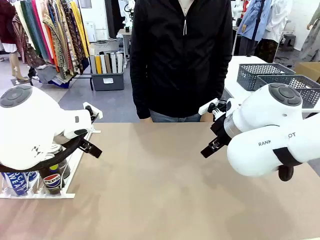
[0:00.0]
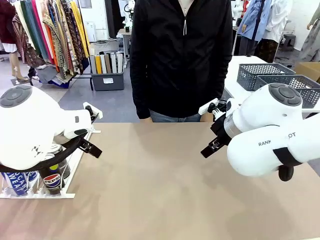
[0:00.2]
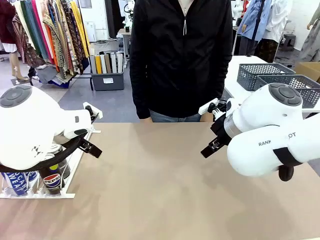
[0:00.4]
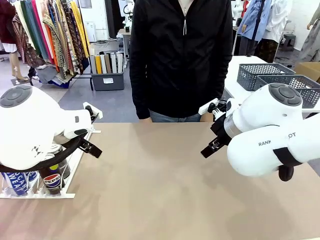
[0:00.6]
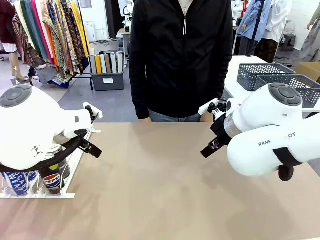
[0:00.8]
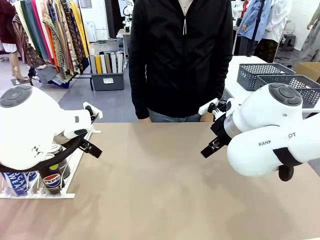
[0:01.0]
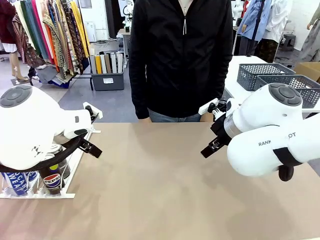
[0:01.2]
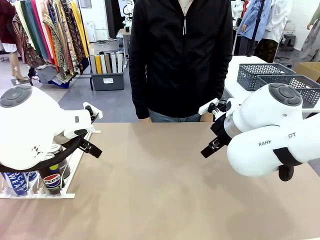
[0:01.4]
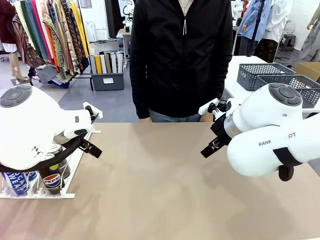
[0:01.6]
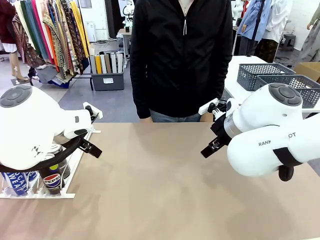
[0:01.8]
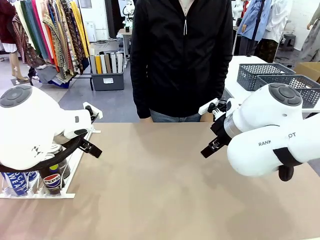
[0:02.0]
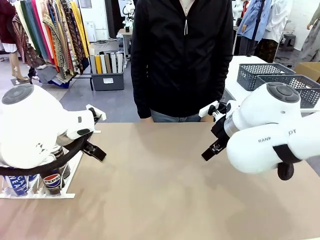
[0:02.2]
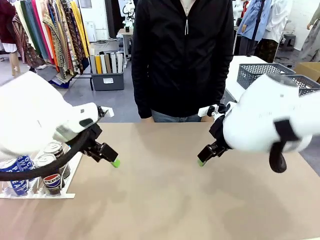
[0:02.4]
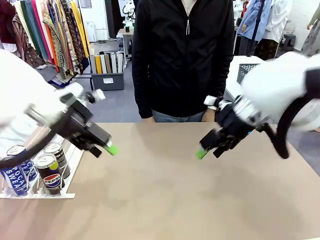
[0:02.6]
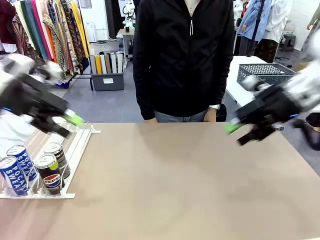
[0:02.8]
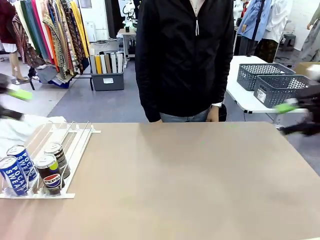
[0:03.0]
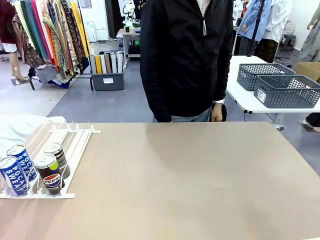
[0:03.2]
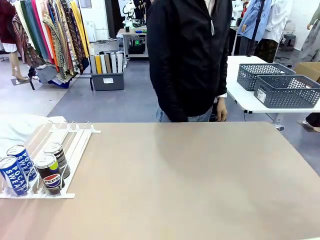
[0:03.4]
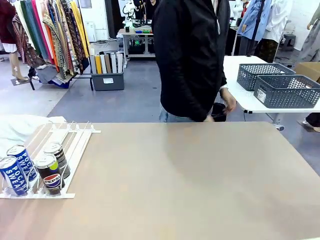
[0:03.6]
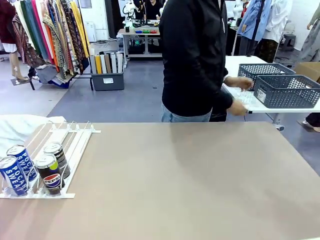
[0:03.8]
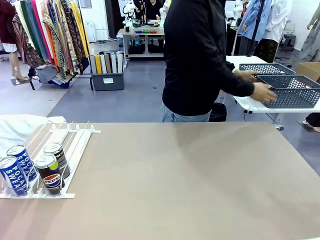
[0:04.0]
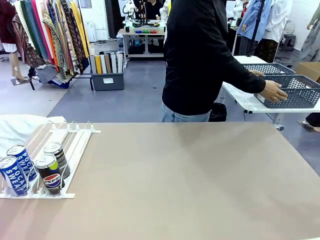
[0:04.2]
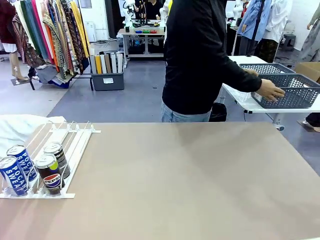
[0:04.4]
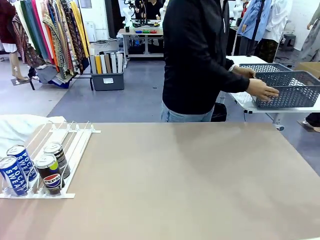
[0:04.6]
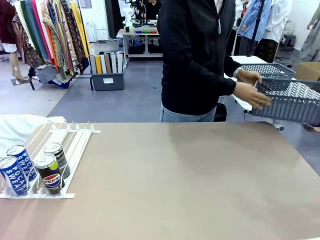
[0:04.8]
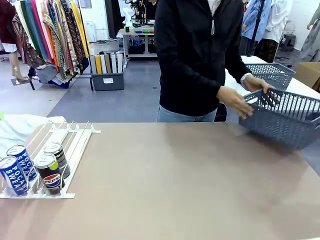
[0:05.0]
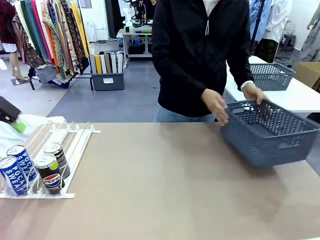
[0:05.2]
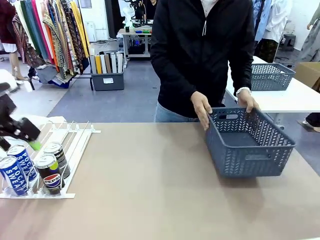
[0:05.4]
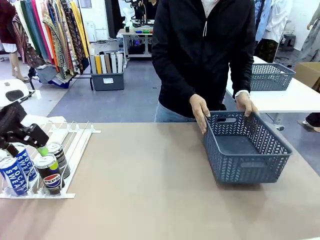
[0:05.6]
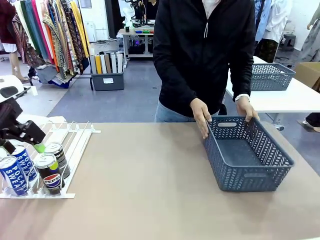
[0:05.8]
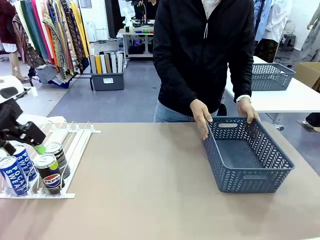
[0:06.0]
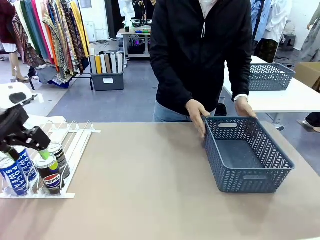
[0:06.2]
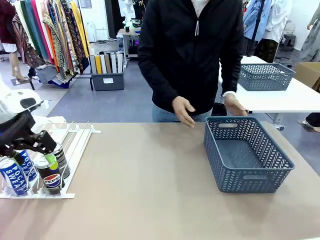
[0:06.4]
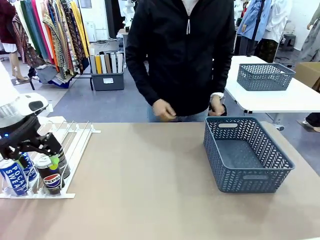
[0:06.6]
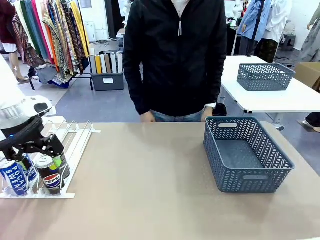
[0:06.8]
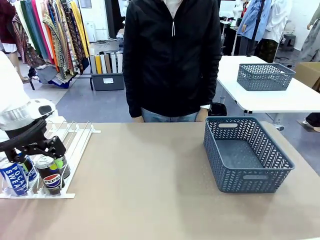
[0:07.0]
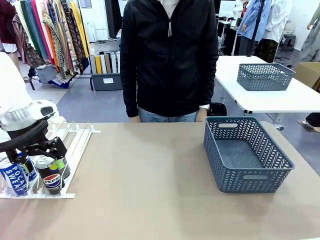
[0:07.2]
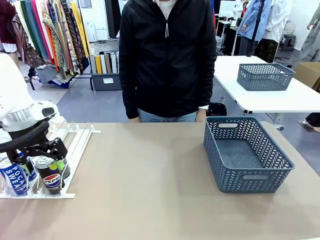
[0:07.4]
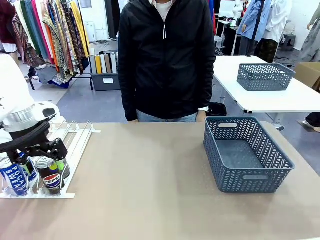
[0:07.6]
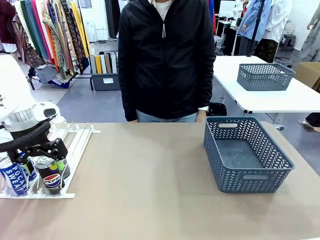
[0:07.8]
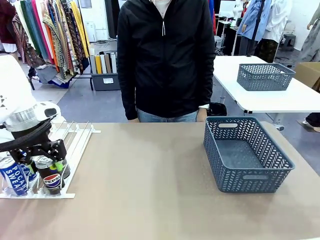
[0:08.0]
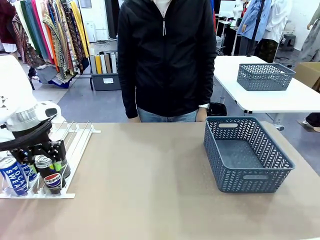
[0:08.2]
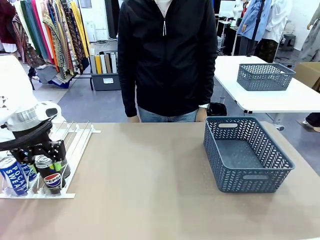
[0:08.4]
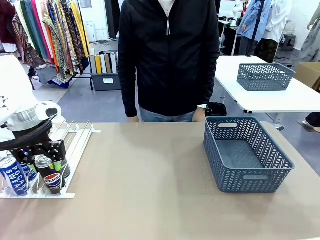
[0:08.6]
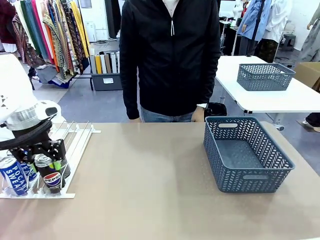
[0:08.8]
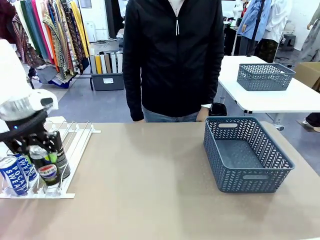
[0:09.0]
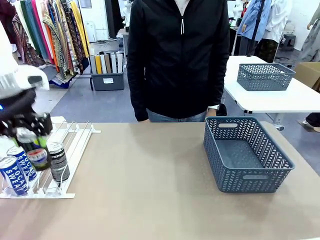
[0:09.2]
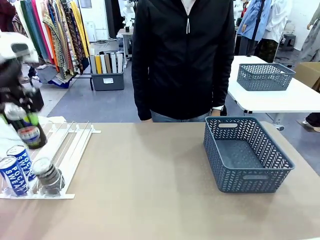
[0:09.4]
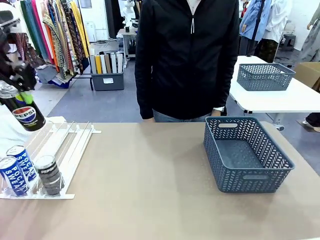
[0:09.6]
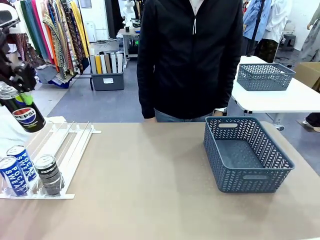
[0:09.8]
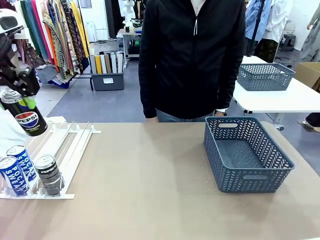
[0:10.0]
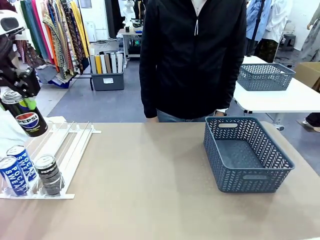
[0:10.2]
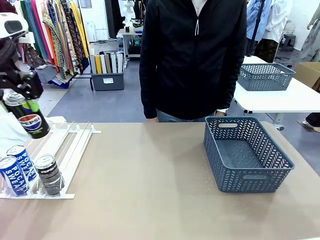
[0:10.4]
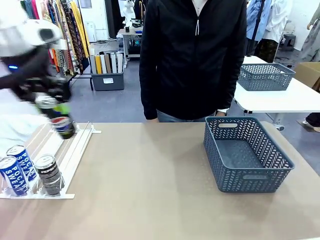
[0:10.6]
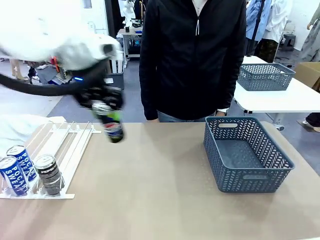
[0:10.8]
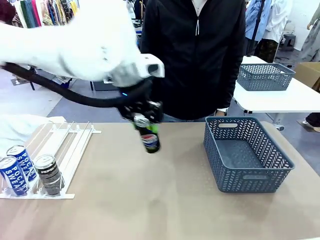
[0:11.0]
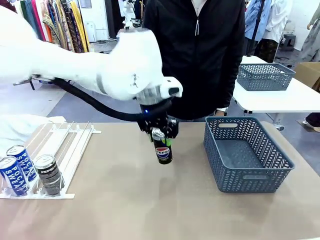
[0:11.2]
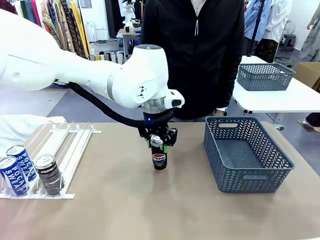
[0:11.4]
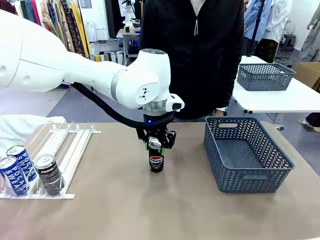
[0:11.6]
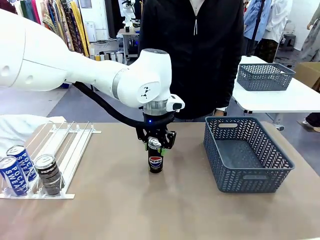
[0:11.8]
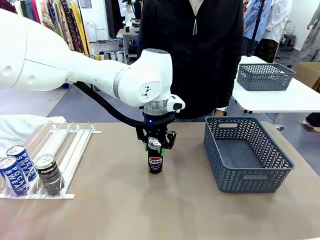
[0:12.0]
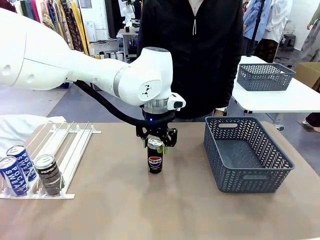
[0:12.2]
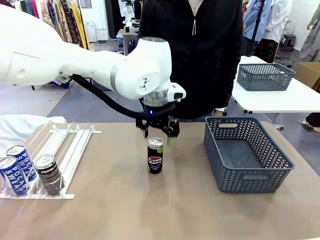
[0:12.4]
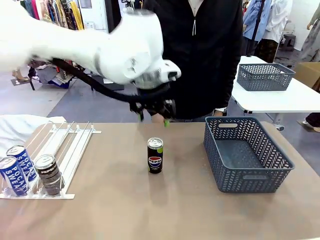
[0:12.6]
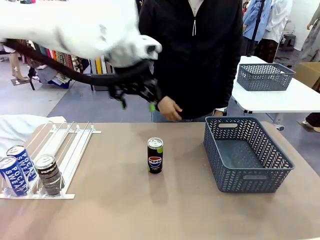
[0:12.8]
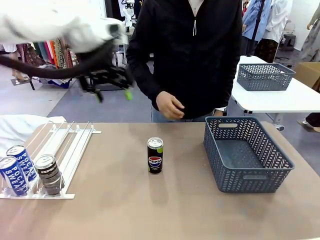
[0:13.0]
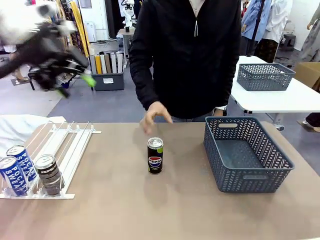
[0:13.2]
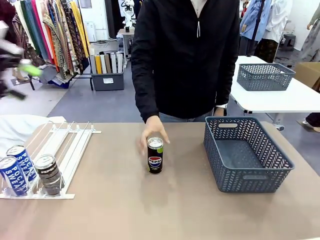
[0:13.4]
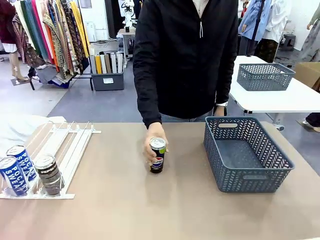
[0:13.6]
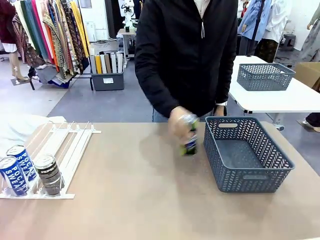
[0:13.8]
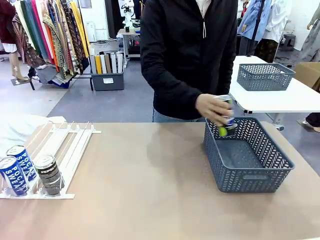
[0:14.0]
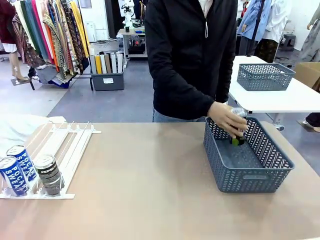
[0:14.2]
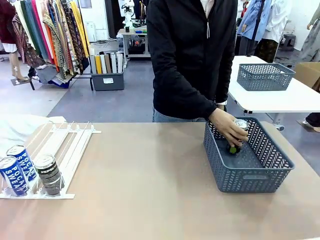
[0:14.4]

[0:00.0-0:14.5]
Task: Retrieve and store the cans from the dispenser.
Robot: Pick up one can from the Automatic Can Dispenser and place it in the middle of the table.
Person: Pick up the basket and place it on the left side of the robot table.

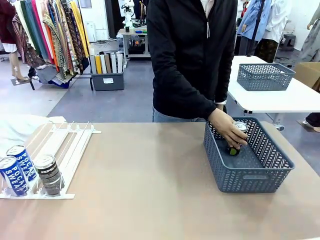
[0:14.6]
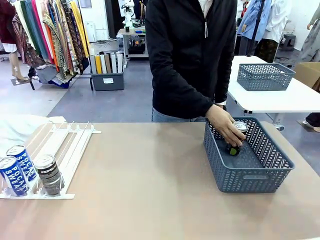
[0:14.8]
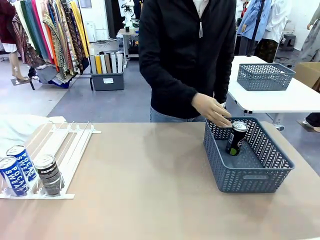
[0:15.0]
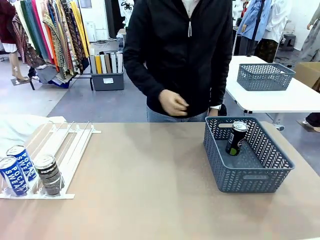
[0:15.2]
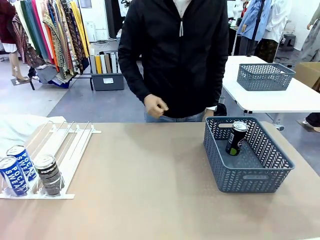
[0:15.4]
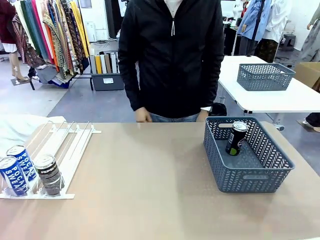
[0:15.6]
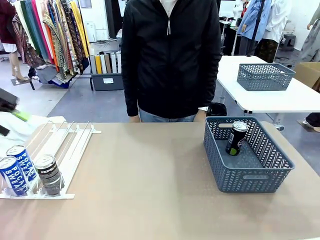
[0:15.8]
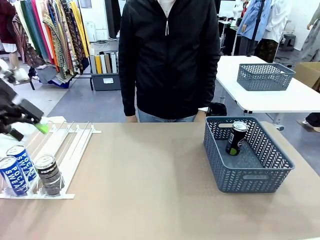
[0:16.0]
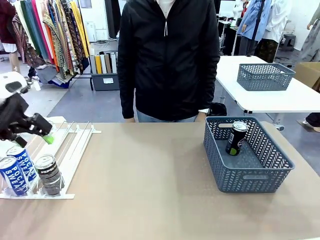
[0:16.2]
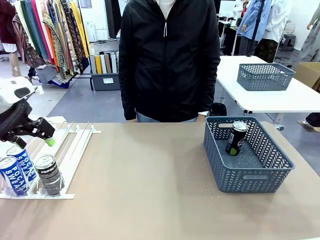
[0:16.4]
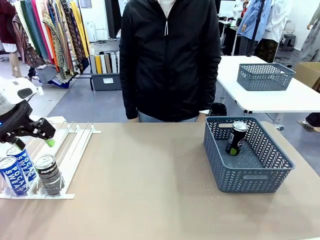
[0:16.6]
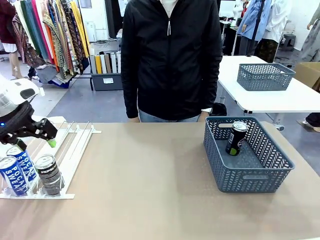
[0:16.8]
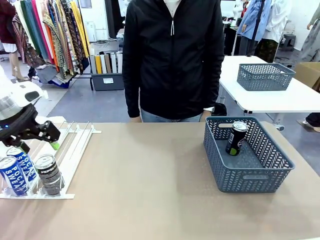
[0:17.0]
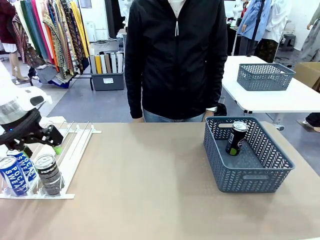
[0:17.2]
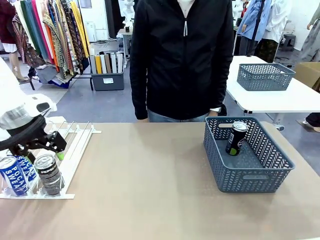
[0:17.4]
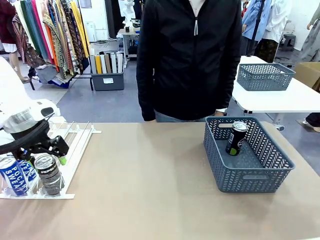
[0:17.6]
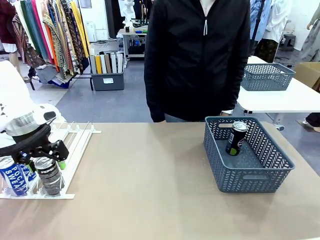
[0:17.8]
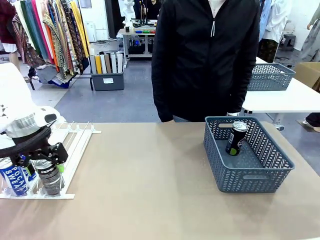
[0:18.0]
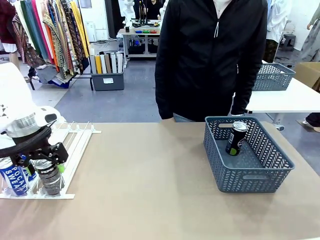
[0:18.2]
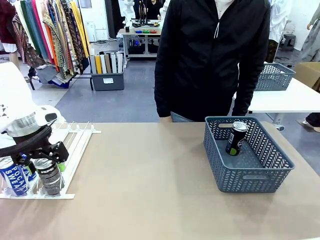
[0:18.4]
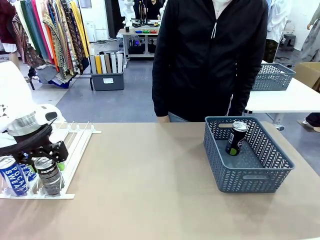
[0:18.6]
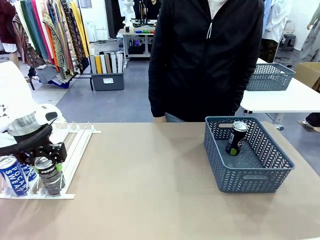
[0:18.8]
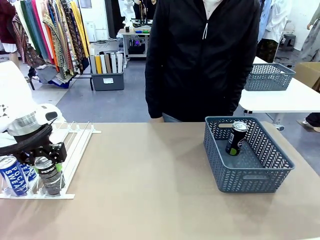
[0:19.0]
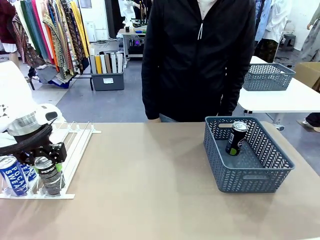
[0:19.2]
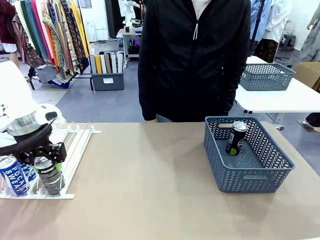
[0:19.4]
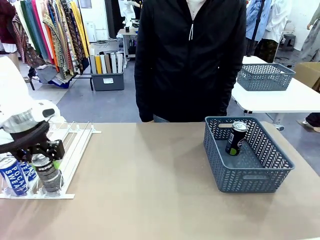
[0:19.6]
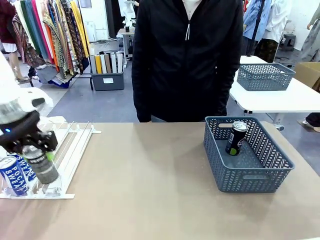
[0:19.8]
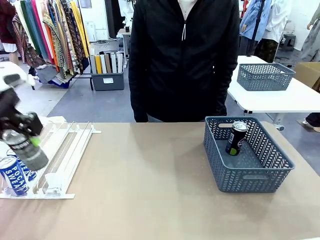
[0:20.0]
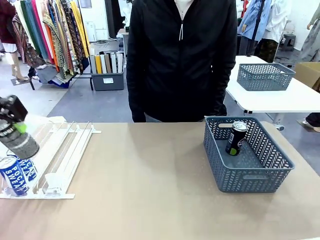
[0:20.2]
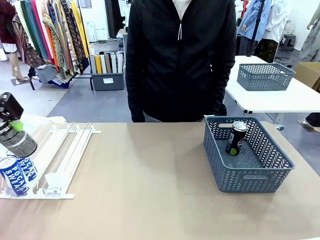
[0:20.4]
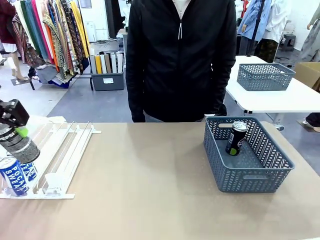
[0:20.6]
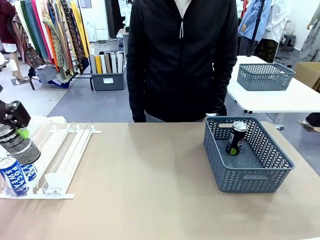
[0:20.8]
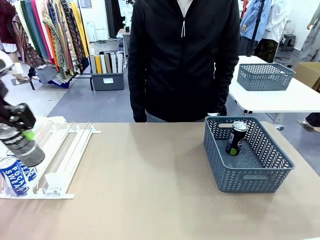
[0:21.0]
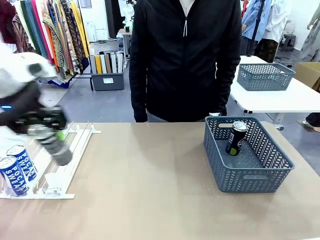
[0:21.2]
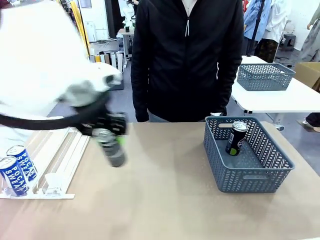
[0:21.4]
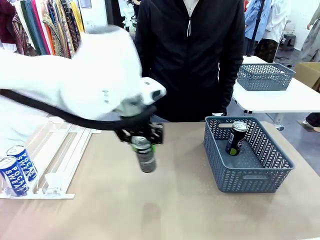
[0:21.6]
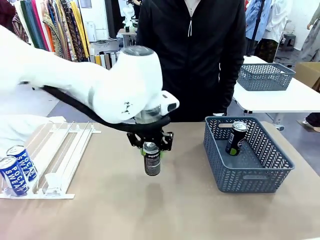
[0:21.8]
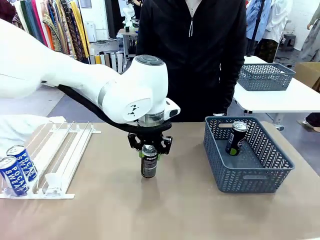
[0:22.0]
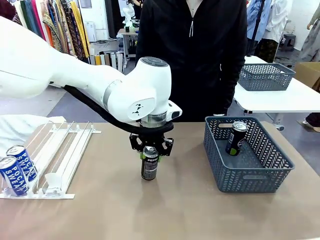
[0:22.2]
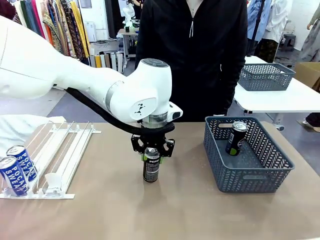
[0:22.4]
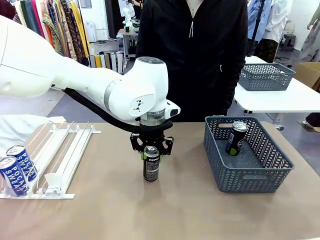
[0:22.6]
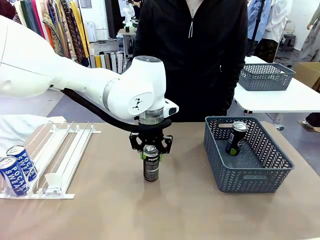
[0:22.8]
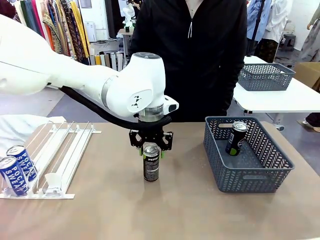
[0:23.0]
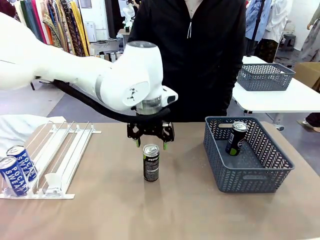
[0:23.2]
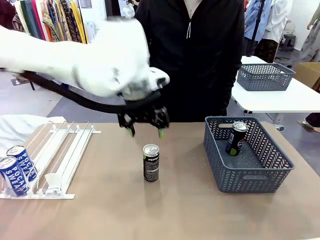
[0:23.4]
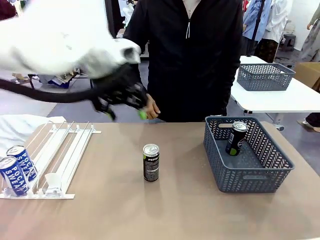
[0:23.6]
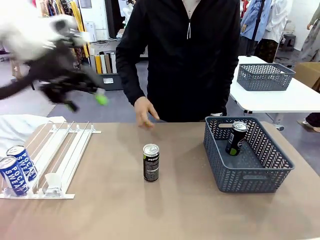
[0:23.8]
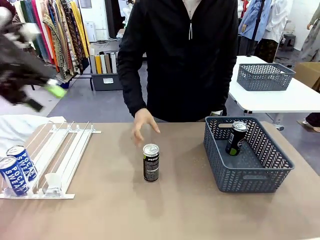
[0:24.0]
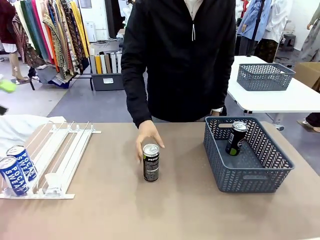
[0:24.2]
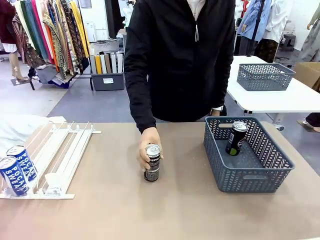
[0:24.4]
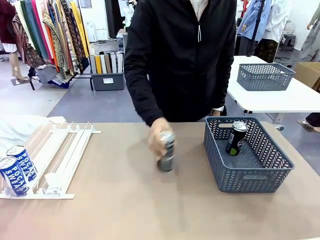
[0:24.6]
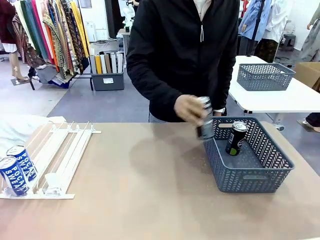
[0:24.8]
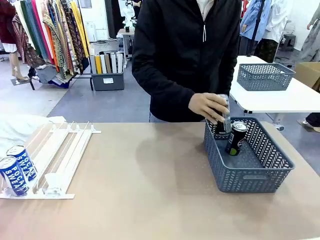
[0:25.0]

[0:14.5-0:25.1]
Robot: Pick up the last remaining can from one row of the Automatic Can Dispenser and place it in the middle of the table.
Person: Pick up one Pepsi can from the middle of the robot table and place it in the basket.
